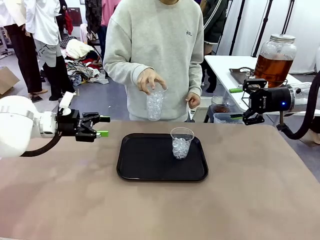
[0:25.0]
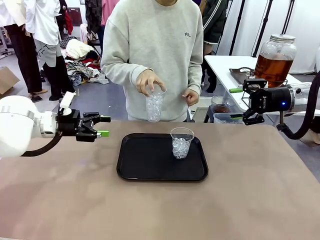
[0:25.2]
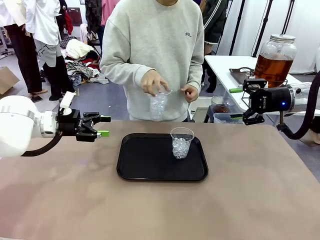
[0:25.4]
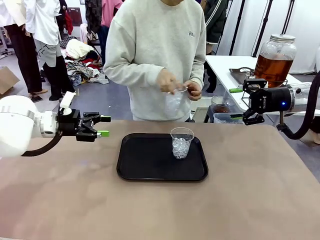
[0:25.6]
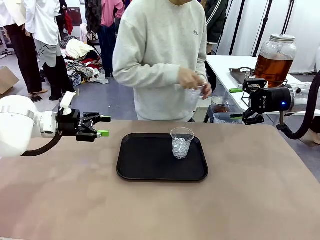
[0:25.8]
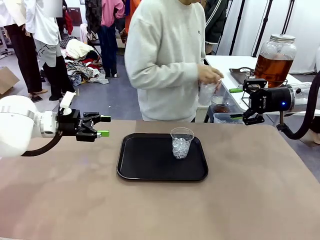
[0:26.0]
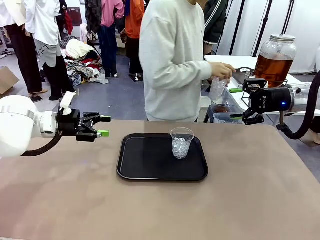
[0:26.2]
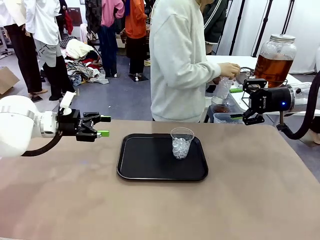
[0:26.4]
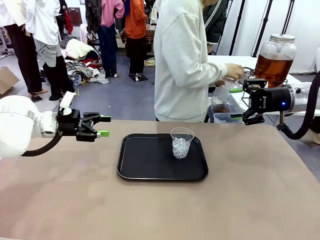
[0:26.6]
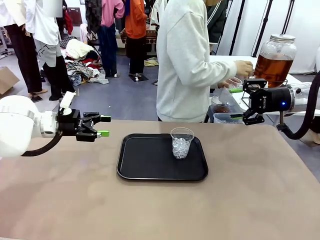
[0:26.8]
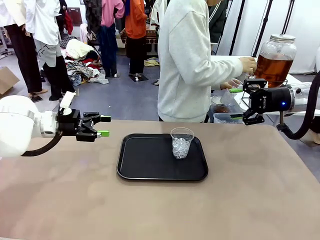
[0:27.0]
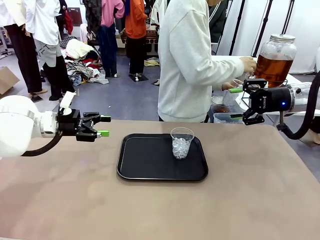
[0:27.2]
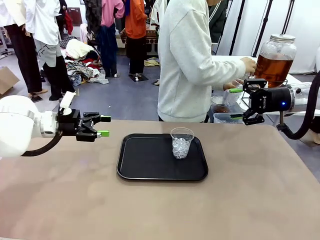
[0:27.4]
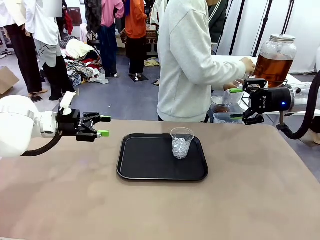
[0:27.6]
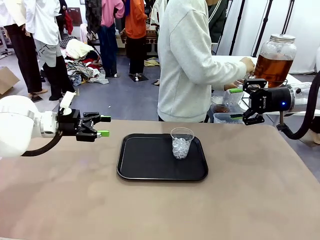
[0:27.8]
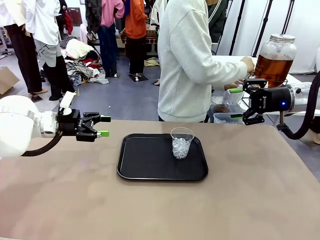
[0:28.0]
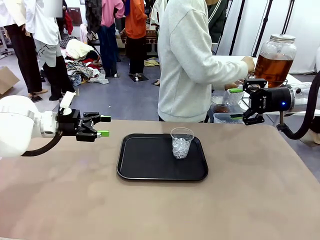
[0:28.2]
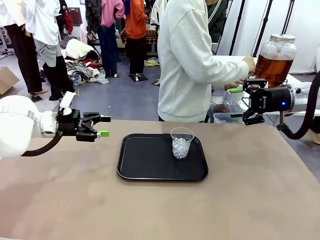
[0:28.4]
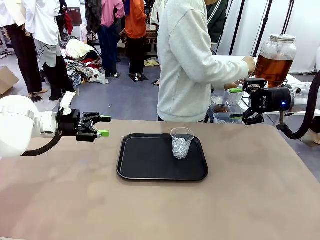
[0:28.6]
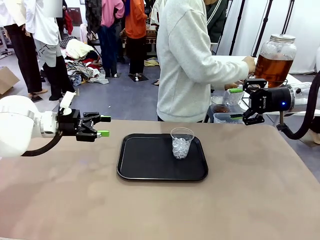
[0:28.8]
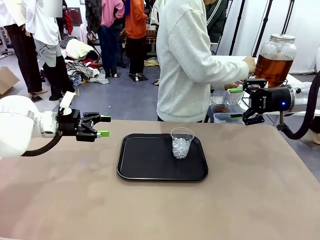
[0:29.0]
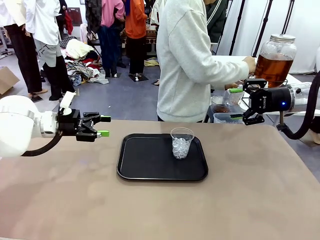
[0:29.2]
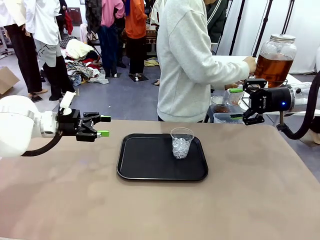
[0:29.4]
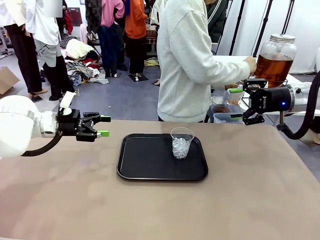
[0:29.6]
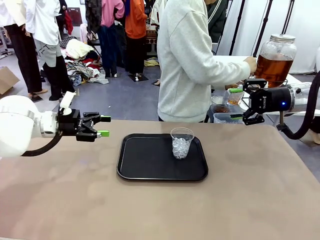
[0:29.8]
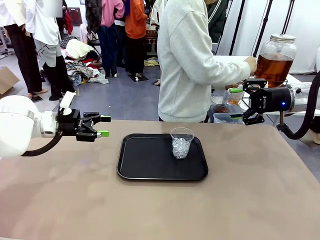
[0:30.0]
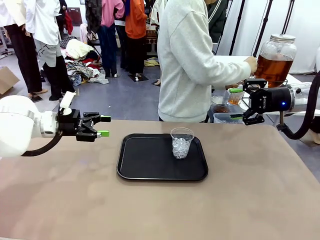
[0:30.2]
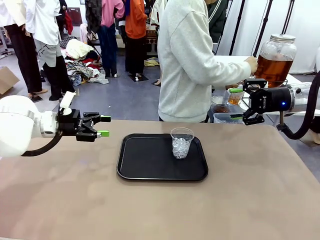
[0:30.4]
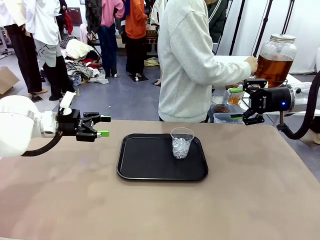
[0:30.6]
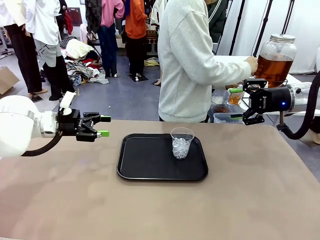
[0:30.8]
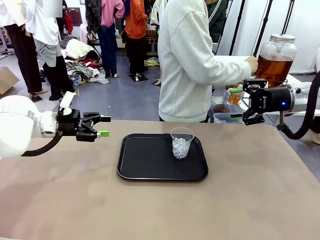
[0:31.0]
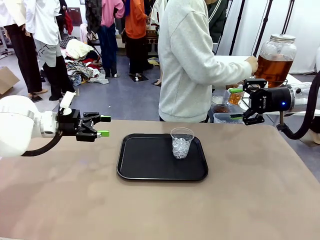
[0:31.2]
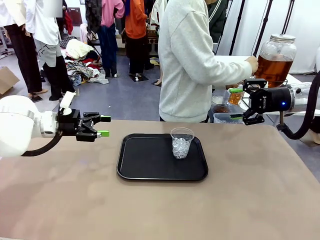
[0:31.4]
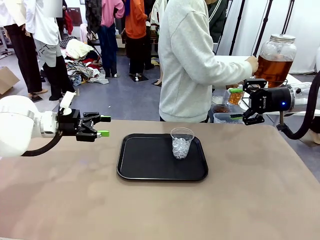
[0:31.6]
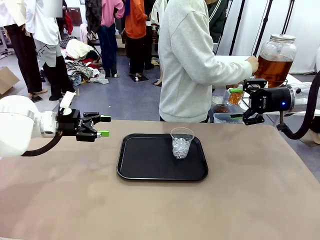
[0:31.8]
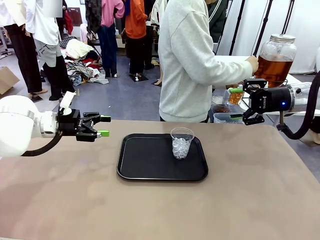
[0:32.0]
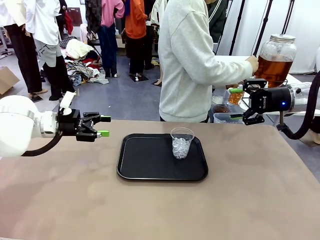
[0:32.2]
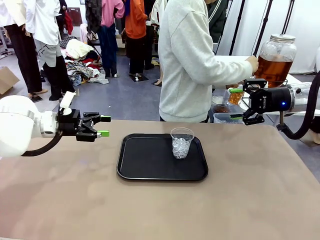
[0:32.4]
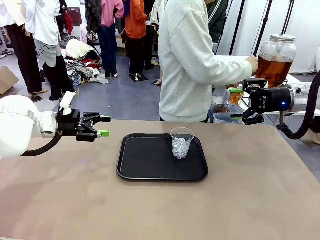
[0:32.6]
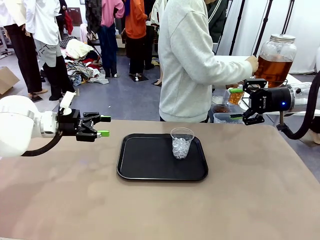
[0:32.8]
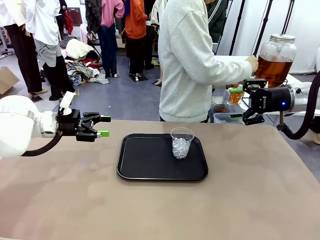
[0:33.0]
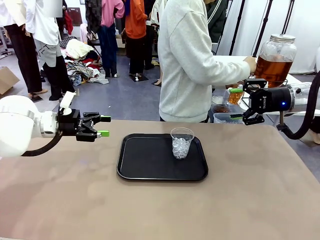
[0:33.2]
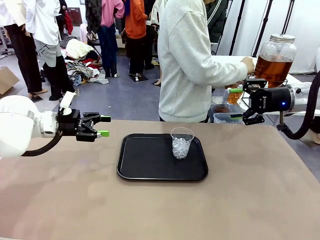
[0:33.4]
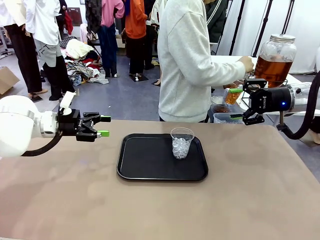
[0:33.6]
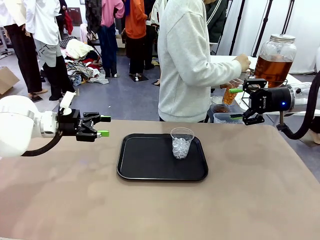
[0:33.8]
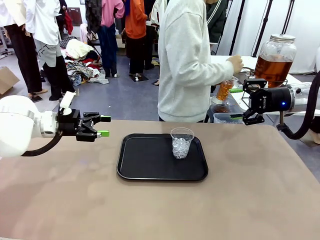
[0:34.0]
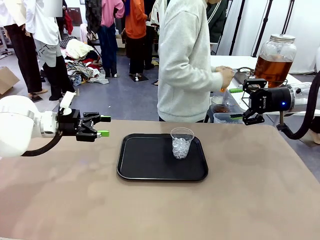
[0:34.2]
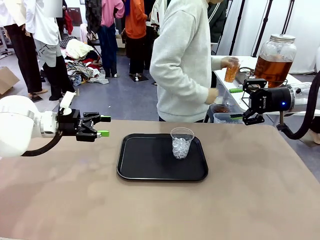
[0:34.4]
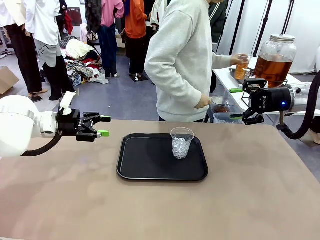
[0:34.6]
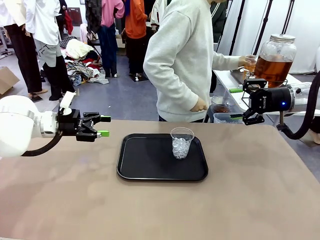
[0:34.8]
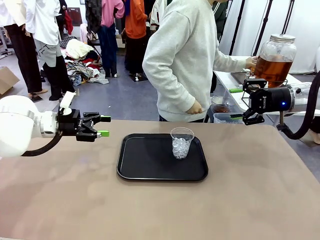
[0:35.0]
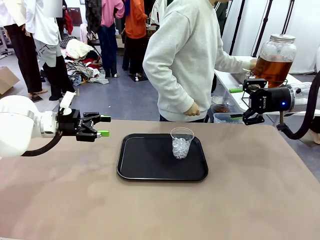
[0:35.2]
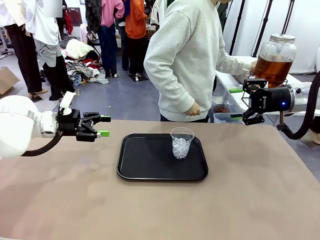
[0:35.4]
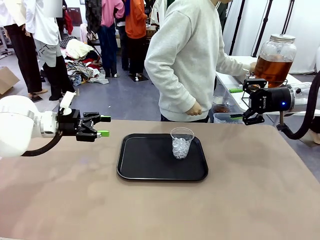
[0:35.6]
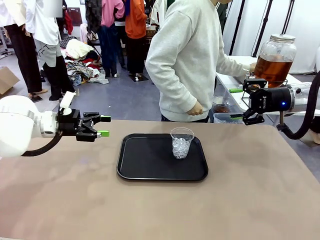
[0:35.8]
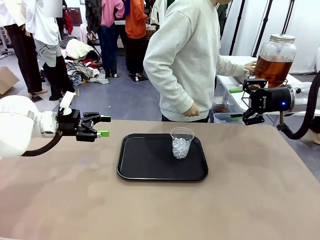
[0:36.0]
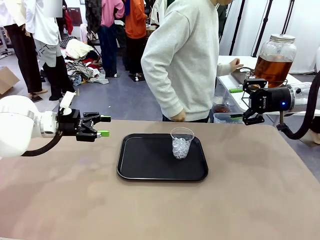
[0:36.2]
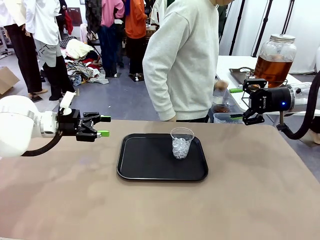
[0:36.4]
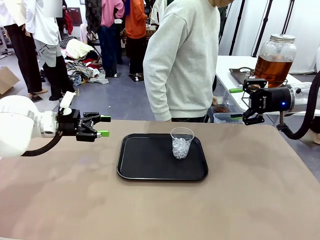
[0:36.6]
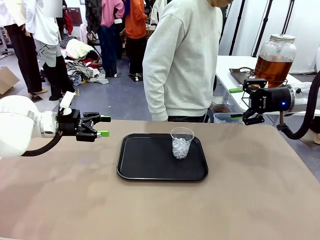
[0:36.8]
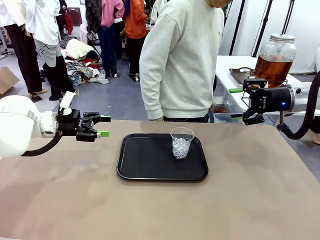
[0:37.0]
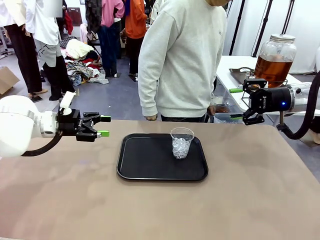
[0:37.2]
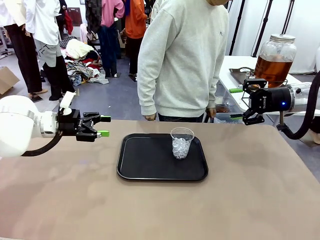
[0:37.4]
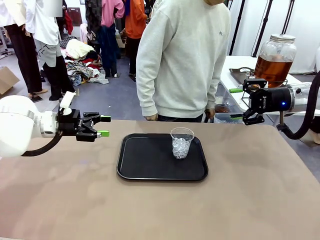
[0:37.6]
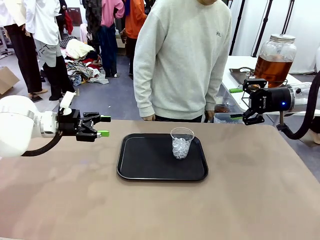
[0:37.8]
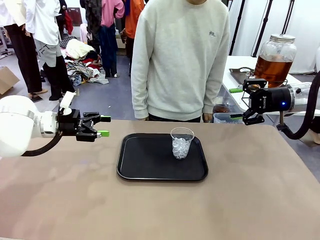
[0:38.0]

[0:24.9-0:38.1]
Task: Pour the drink into the iced cup.
Robot: Pick up the iced cup indicated by the human and present it to them.
Person: Move the picked-up cup under the dispenser faucet, pour the drink, and place it on the tray on the human table.

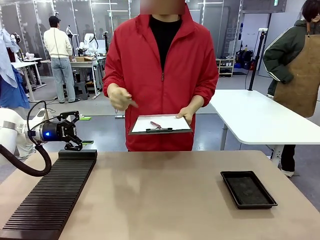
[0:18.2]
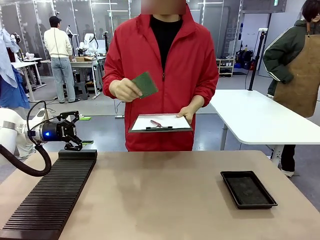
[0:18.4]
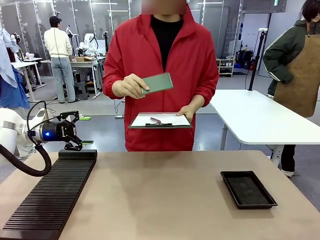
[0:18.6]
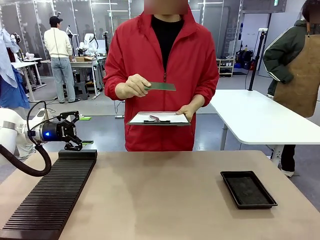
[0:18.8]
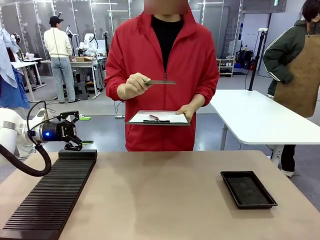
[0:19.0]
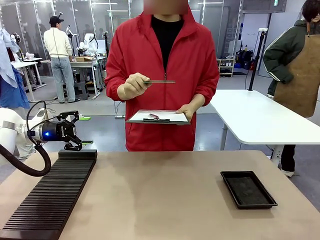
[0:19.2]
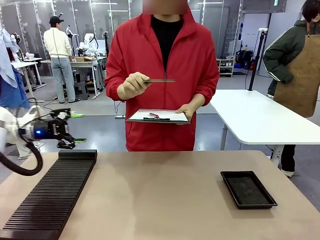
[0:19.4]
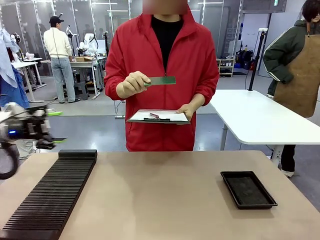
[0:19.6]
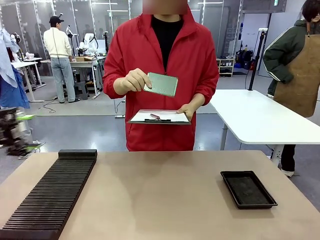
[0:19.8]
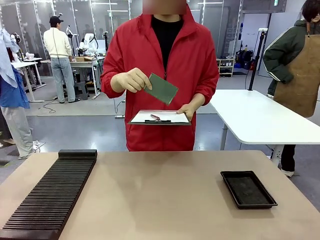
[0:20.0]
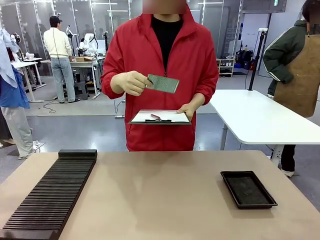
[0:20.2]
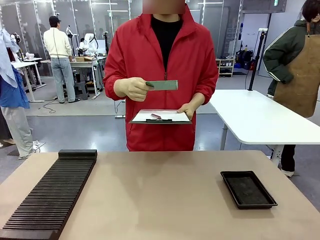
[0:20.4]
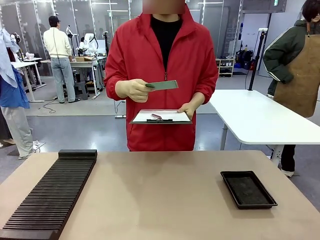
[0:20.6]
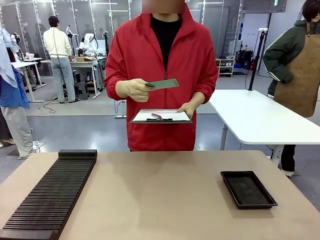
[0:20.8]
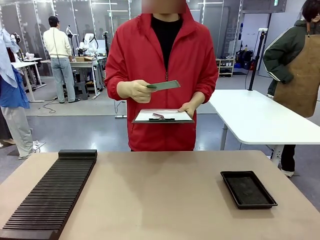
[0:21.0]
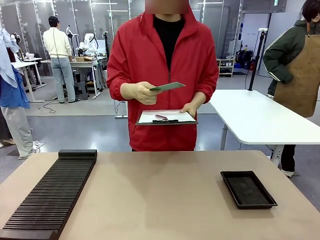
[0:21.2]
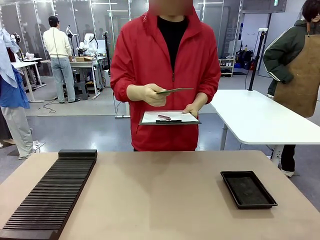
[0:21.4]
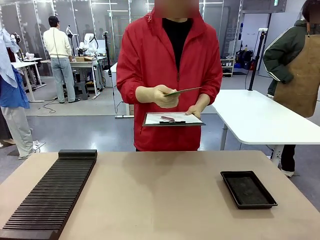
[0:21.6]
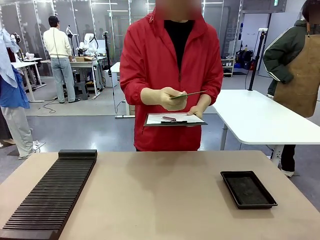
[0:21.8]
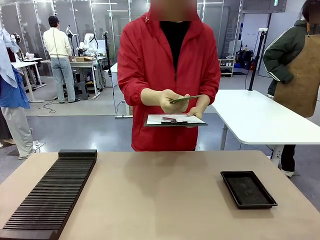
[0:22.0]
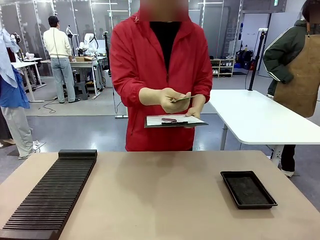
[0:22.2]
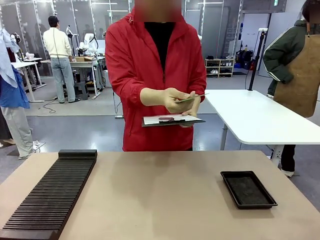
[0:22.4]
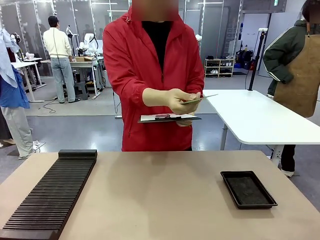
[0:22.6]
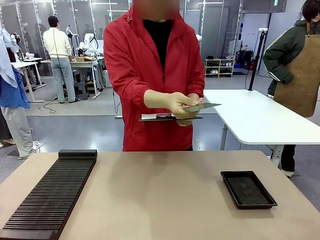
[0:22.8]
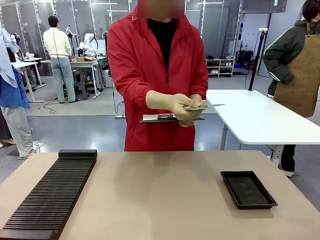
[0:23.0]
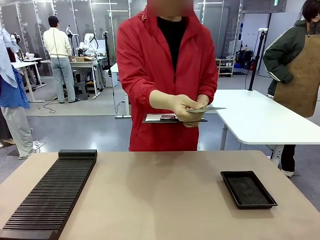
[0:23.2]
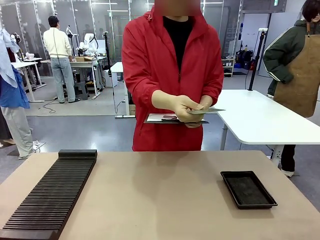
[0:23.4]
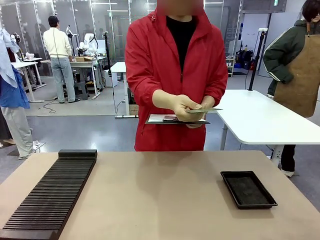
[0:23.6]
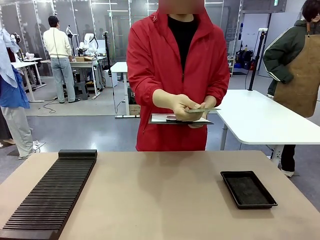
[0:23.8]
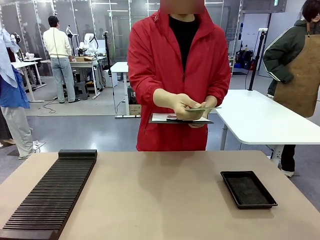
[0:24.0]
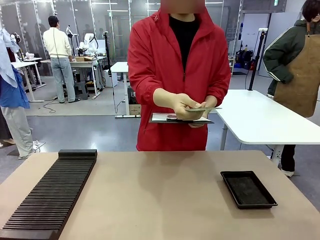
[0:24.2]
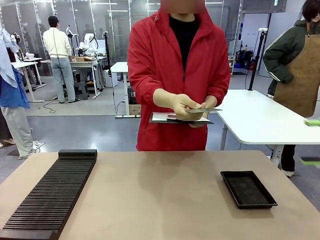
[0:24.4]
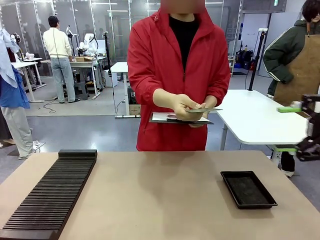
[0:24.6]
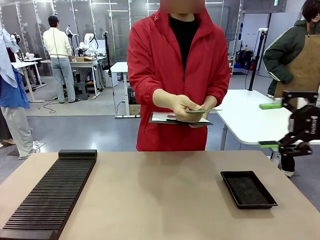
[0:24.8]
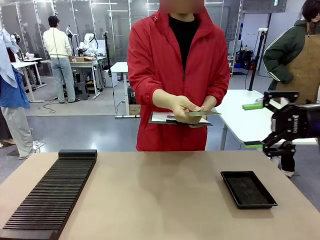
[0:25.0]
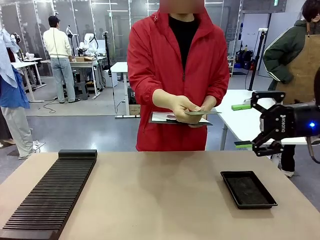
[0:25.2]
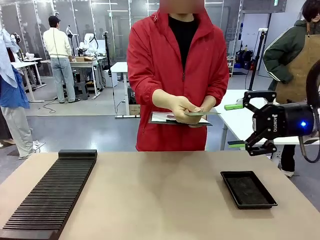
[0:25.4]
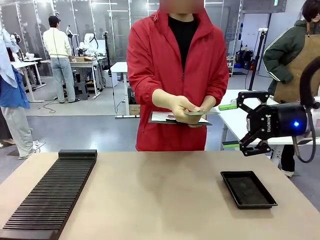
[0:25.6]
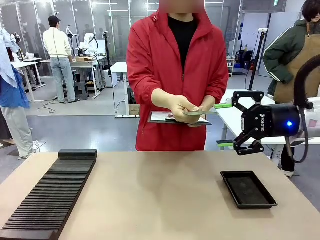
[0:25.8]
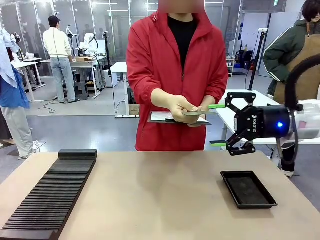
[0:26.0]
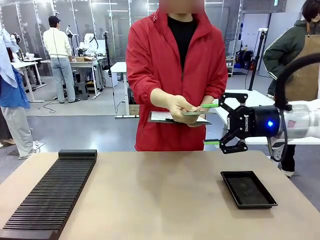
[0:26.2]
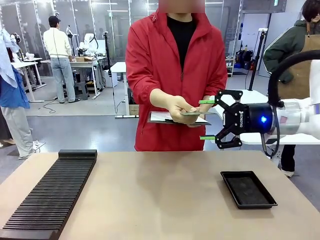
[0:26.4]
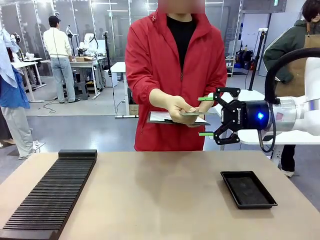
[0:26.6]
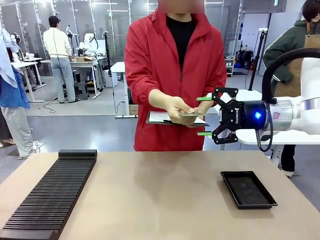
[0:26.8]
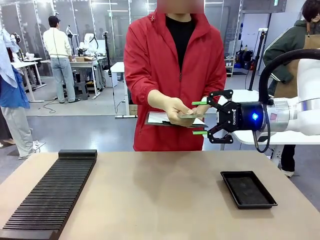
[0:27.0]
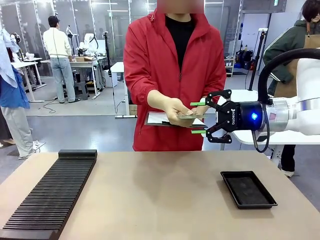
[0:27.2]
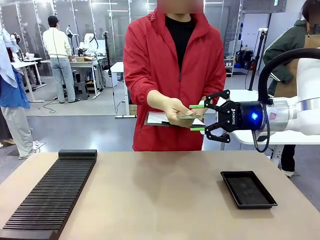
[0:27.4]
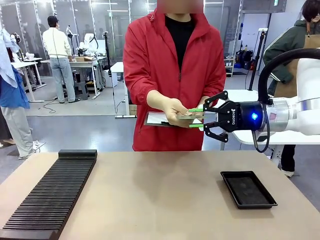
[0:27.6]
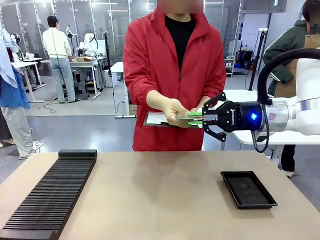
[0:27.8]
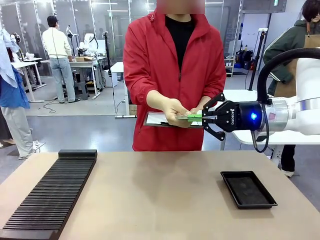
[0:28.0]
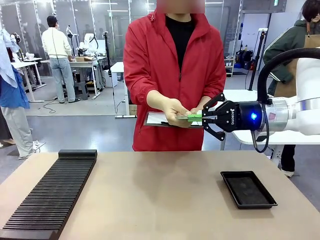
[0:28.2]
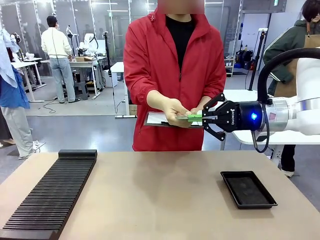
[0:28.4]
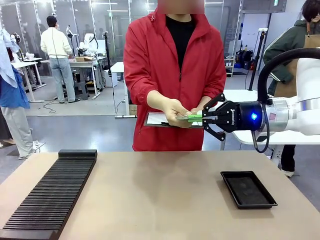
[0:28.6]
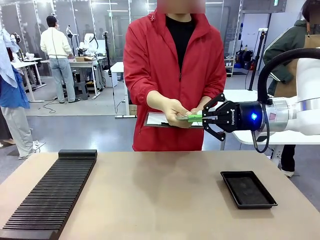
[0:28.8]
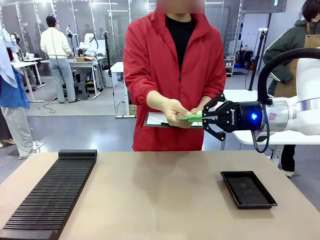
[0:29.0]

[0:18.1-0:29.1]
Task: Inspect the PCB.
Robot: Pick up the Blank PCB that the human is holding.
Person: Inspect the PCB placed by the robot, then hold it out in front of the robot. Release the PCB you were holding.
